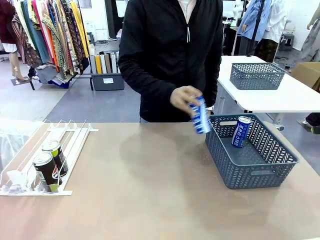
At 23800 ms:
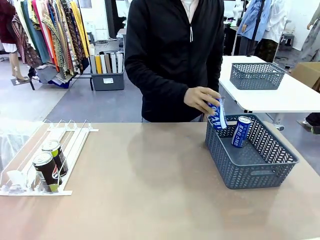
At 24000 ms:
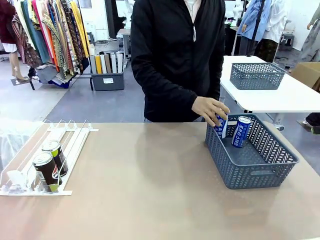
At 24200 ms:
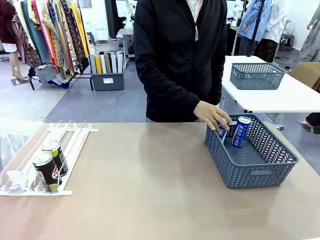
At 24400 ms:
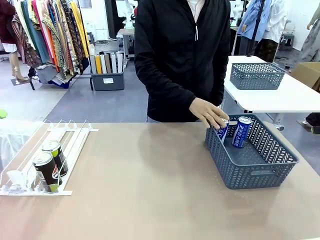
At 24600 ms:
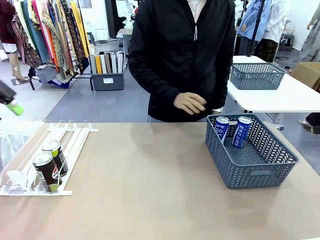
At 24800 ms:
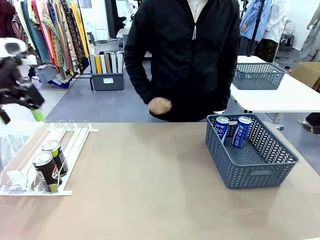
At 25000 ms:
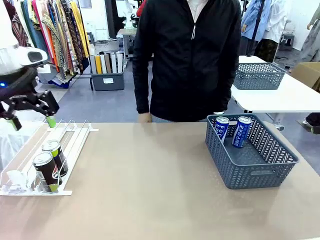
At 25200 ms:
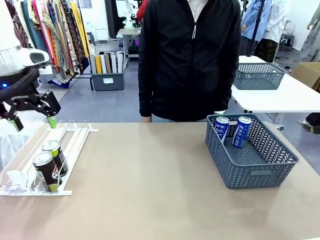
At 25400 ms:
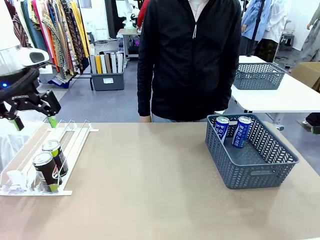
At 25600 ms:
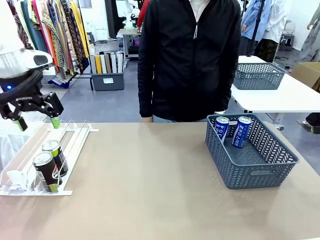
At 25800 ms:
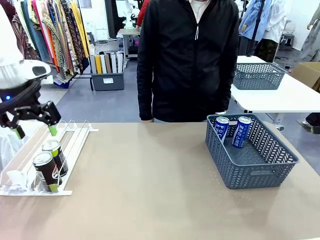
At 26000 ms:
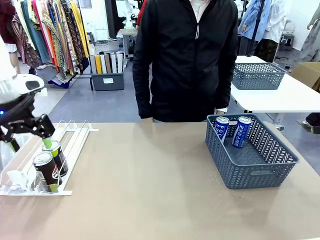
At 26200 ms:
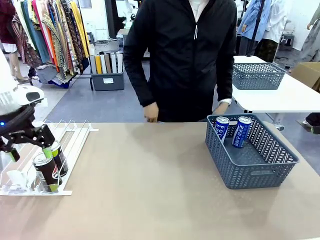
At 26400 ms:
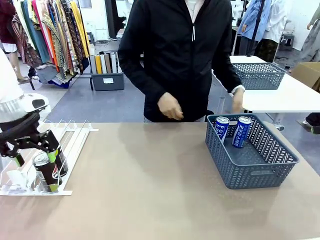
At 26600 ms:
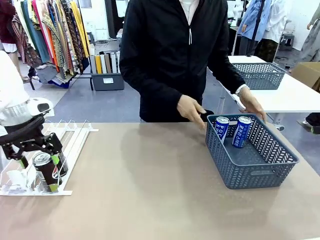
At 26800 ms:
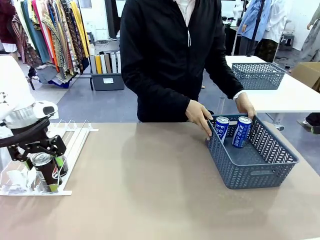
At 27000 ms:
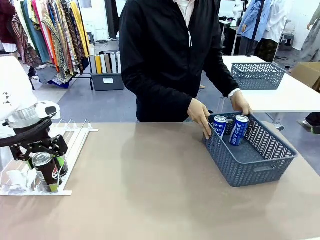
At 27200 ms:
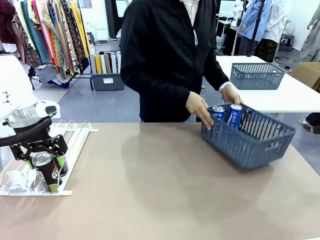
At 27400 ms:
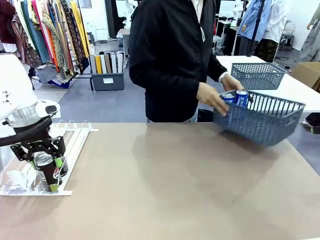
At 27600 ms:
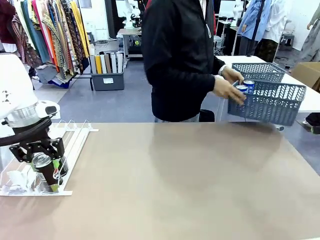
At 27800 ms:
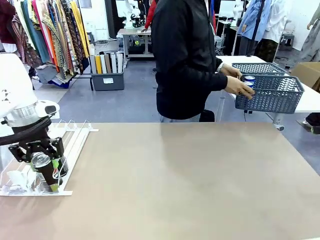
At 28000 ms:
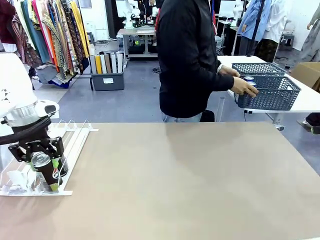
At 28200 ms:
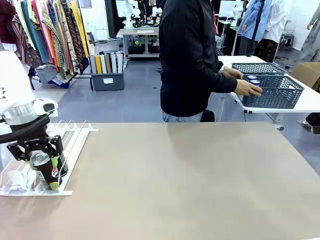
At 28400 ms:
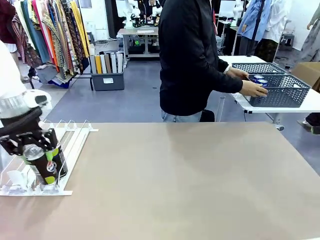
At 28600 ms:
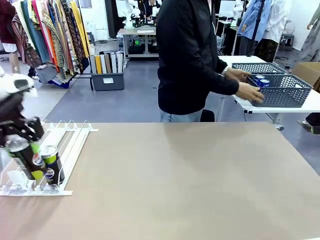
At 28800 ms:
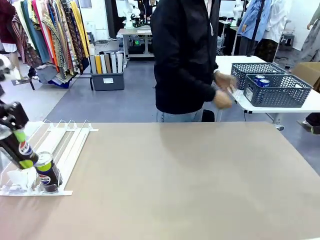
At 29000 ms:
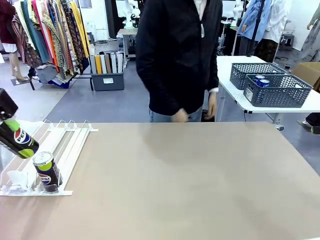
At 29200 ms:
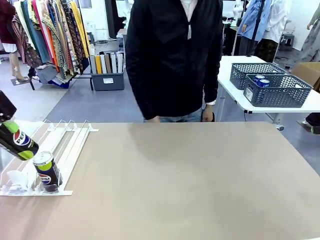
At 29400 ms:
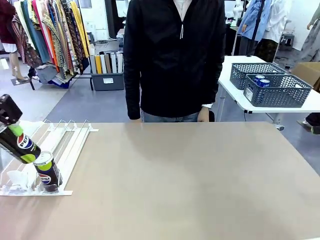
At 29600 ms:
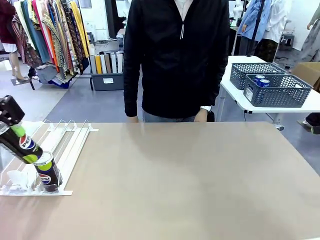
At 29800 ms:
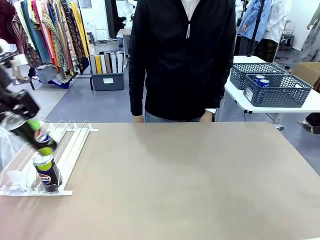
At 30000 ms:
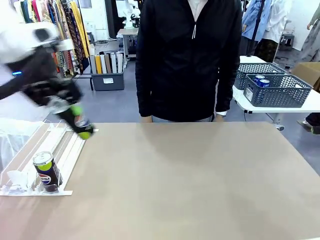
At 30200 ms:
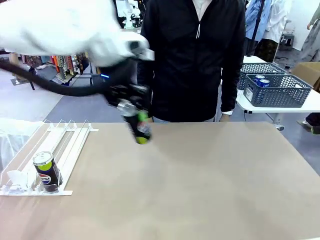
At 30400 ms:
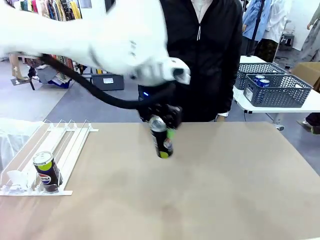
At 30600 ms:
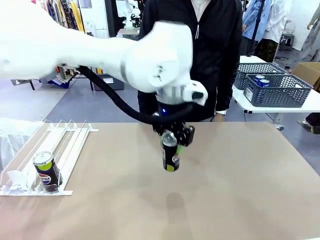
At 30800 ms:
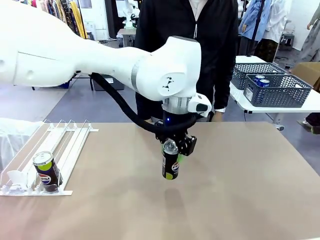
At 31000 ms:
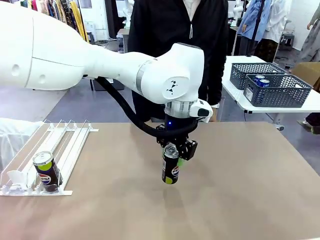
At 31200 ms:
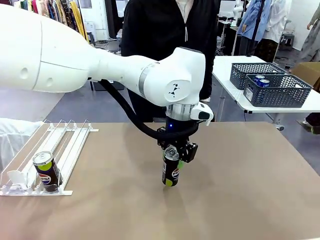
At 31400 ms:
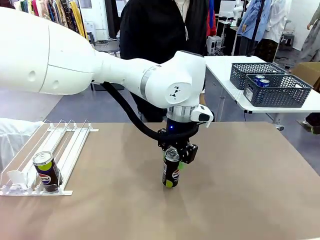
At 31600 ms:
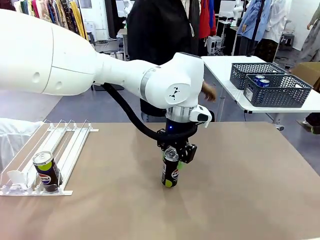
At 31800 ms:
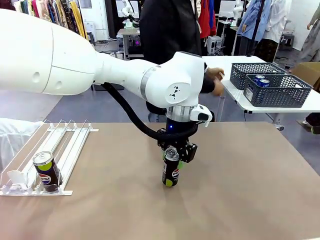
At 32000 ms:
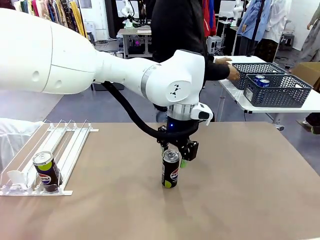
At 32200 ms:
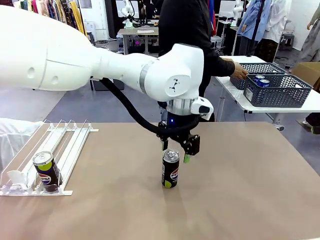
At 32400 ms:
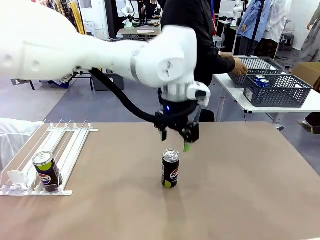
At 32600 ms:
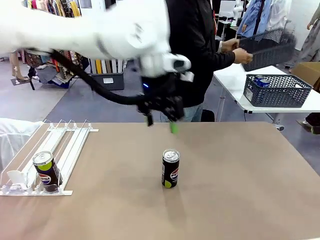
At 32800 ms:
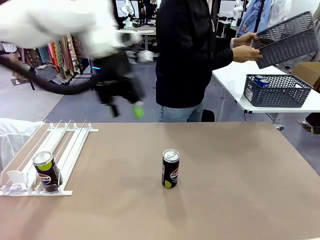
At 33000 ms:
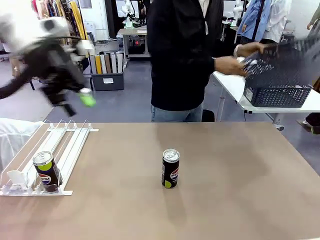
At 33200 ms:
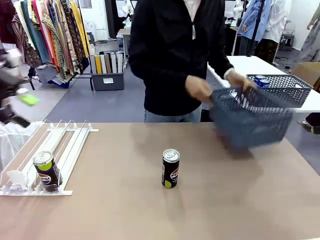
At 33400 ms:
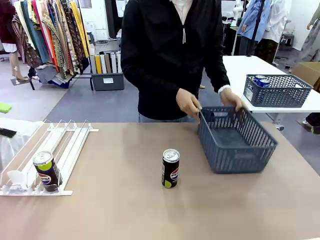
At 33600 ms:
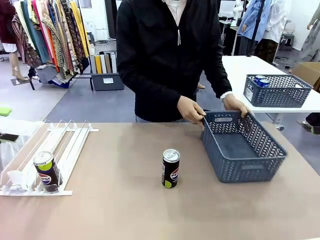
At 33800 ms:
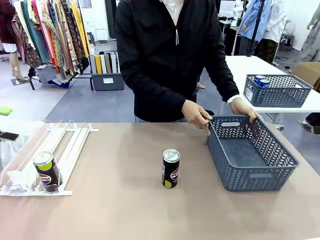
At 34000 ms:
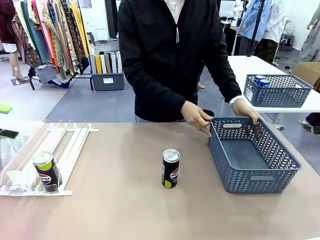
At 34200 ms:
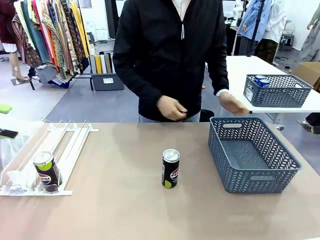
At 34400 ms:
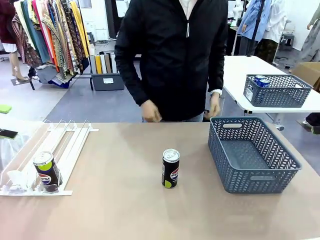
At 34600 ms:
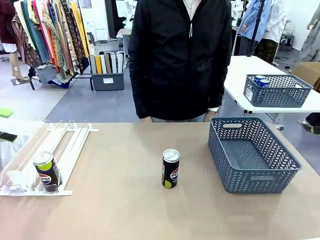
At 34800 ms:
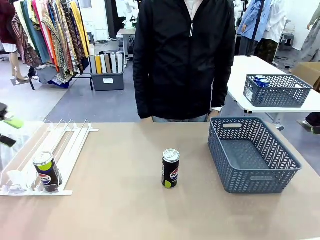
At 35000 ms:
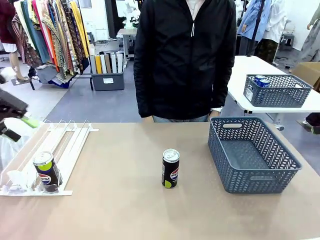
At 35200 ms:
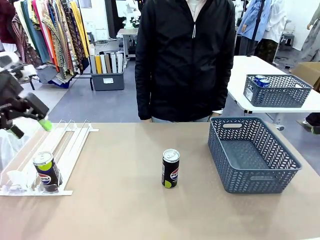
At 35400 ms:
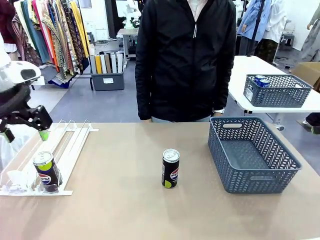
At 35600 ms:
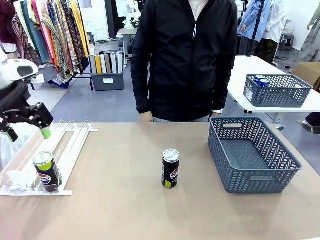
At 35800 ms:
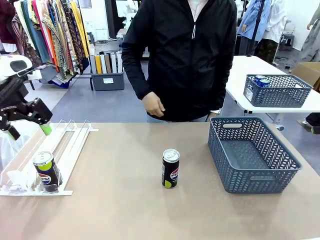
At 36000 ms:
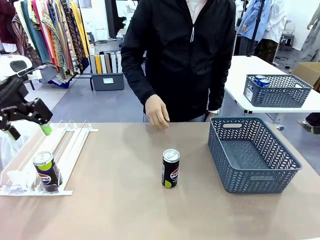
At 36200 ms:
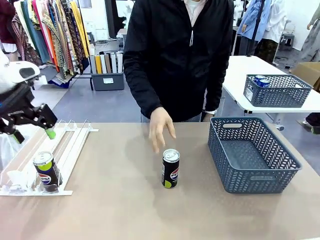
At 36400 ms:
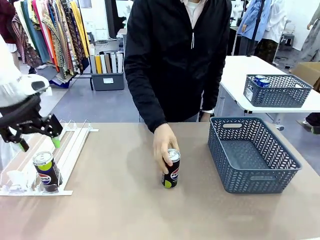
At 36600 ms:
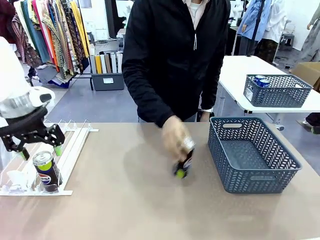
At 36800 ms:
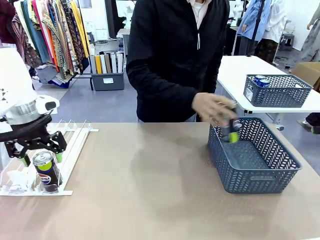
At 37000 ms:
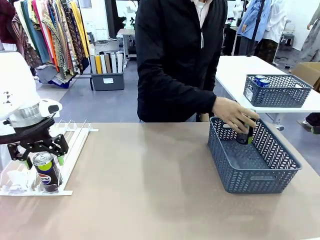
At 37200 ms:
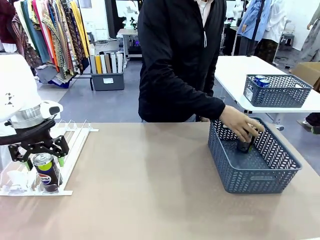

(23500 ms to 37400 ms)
Task: Retrieve and store the cans from the dispenser.
Robot: Pick up one can from the Automatic Can Dispenser and place it in the middle of the table.
Person: Pick up the basket and place it in the middle of the human table. Pick up the empty basket and place it on the left side of the robot table.

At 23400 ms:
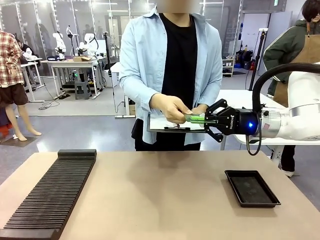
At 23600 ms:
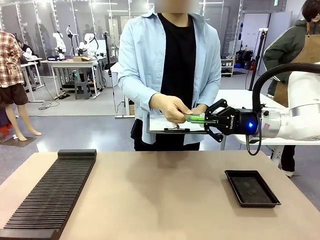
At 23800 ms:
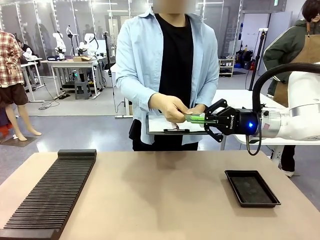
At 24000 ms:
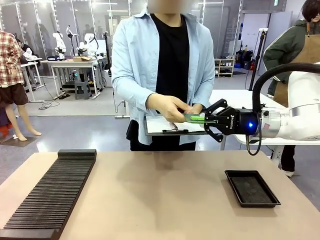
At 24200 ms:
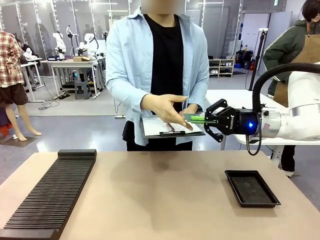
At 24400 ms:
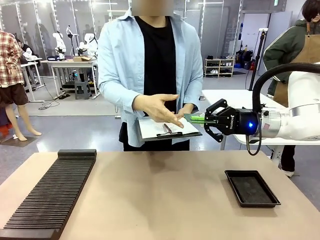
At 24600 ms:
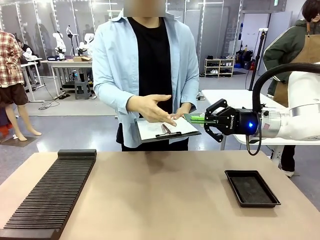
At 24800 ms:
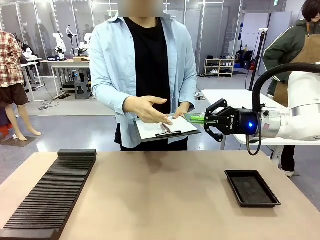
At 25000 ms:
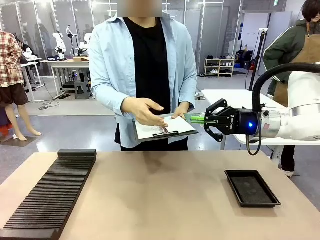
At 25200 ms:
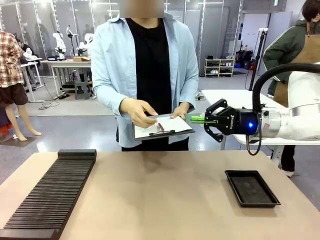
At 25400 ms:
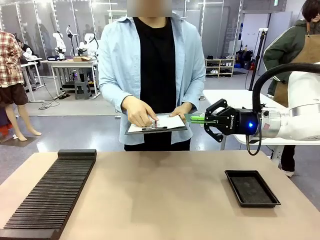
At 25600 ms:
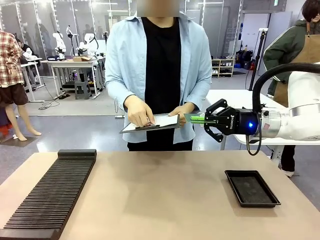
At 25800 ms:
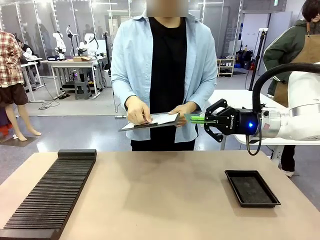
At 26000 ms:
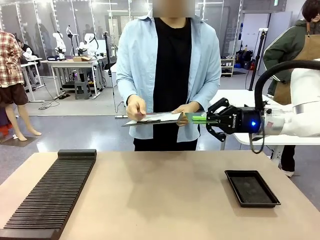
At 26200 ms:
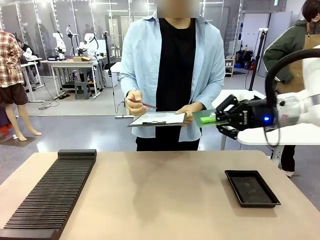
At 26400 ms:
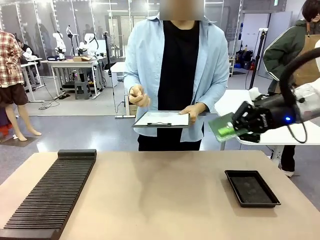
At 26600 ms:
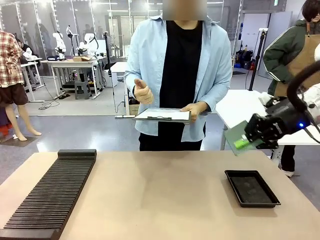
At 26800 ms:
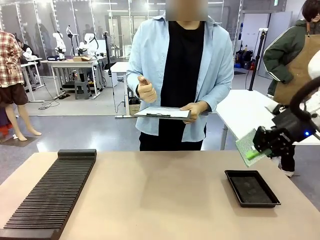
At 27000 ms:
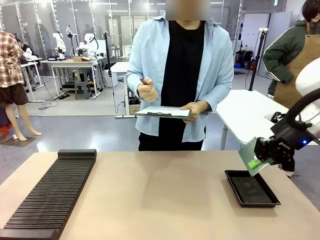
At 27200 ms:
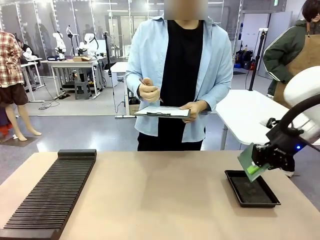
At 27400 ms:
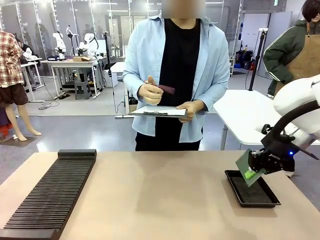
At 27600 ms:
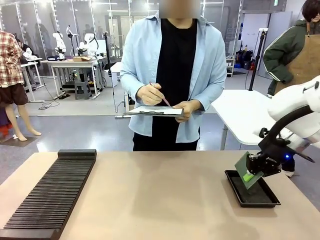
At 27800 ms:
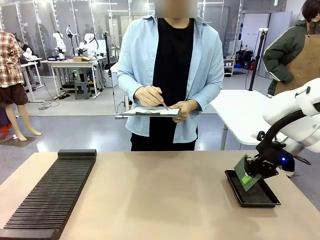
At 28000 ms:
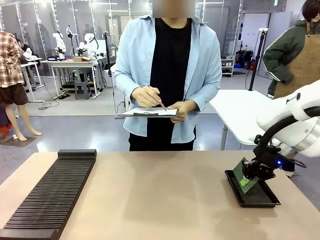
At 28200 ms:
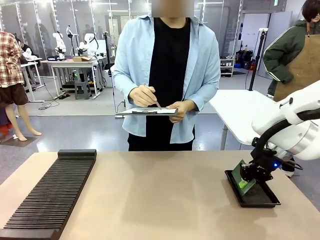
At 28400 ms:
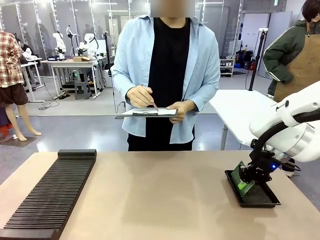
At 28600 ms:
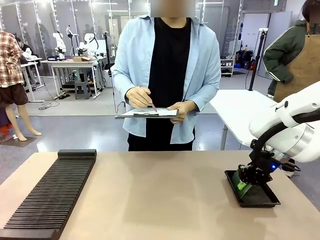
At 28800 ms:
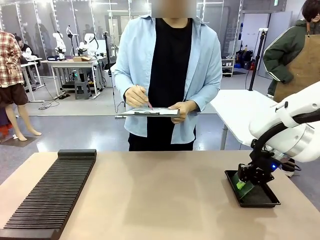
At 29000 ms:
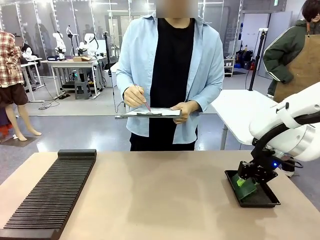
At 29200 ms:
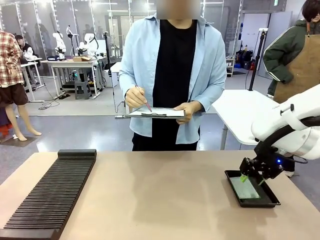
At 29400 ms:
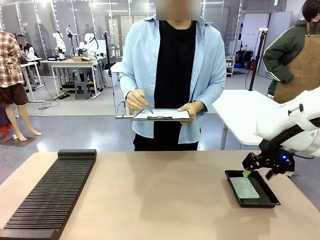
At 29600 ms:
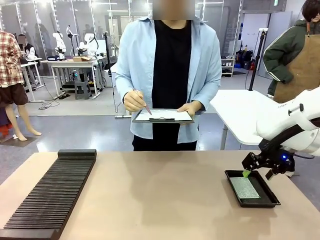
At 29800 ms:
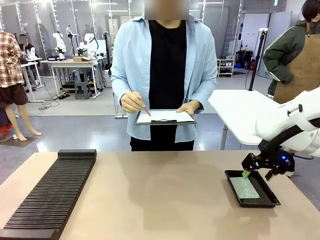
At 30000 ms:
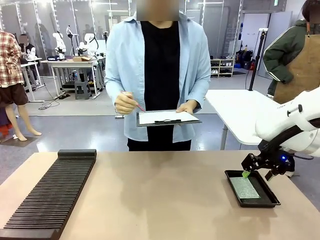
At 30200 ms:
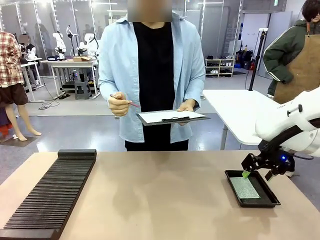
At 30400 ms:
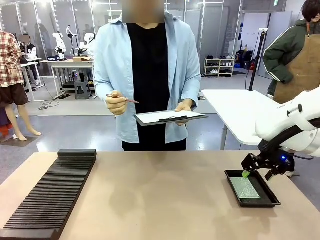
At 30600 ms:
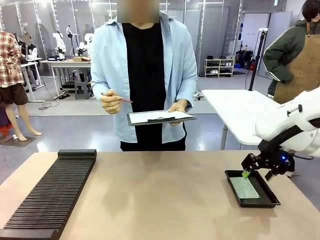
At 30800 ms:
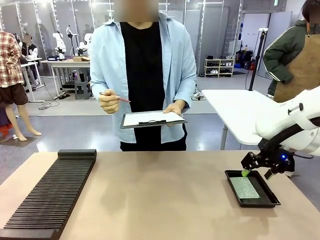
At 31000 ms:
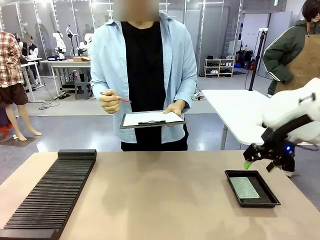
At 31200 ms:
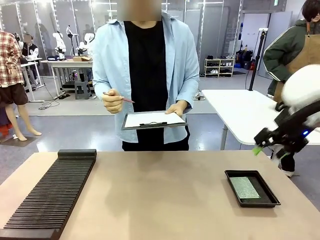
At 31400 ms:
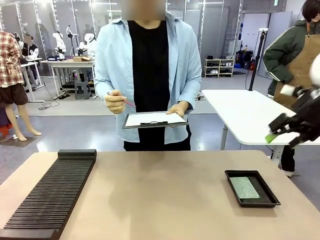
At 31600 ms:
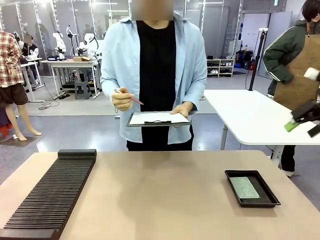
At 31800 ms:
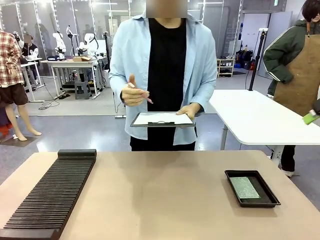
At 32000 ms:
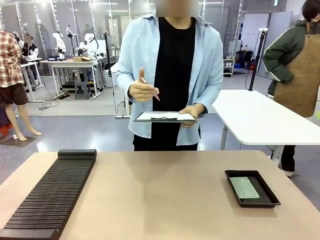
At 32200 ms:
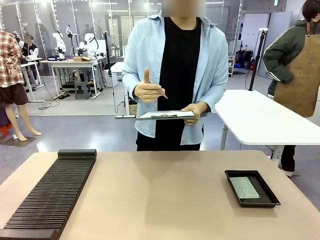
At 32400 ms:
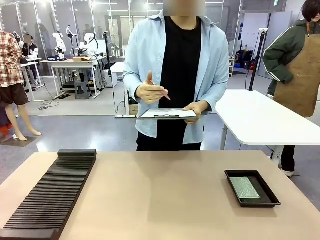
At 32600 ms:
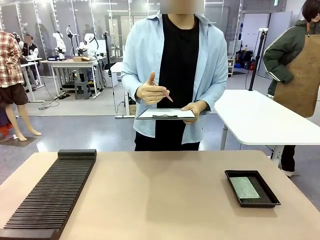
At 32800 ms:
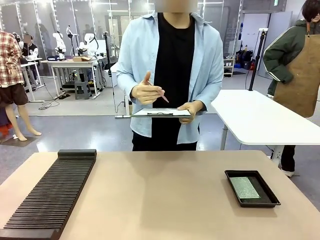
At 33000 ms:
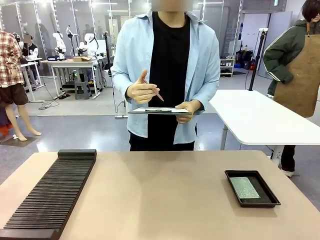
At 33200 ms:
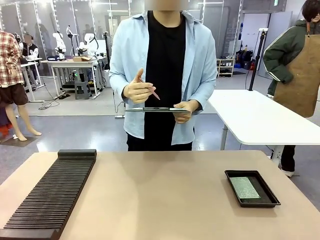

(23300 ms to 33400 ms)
Task: Inspect the PCB.
Robot: Place the Blank PCB in the ESD tray.
Person: Record the PCB status on the paper.
